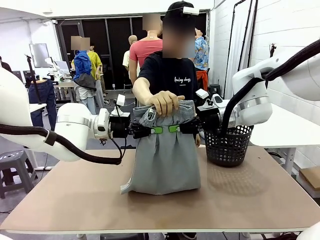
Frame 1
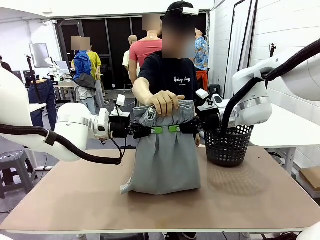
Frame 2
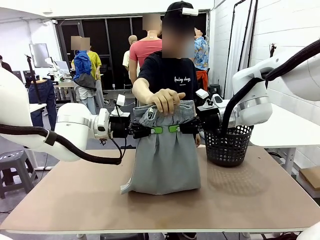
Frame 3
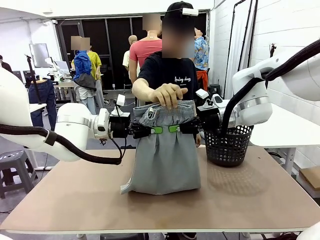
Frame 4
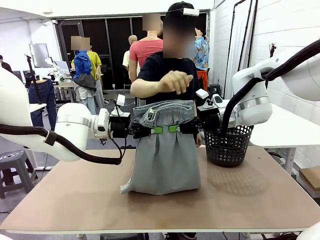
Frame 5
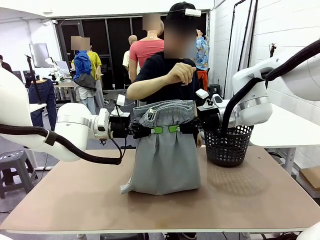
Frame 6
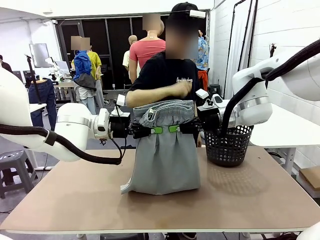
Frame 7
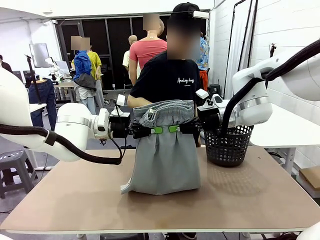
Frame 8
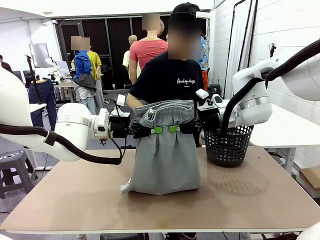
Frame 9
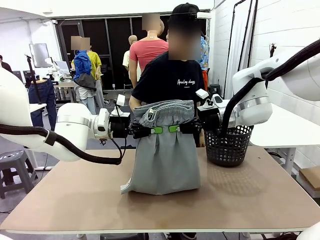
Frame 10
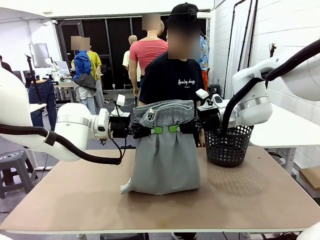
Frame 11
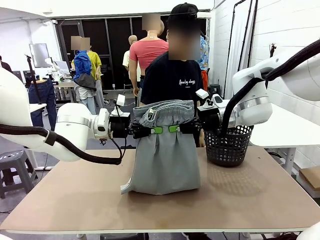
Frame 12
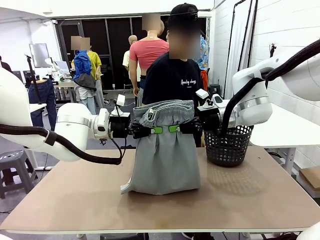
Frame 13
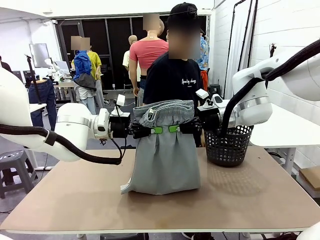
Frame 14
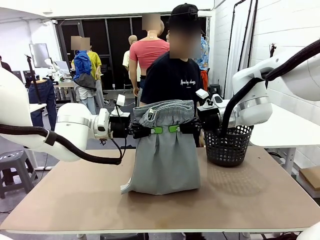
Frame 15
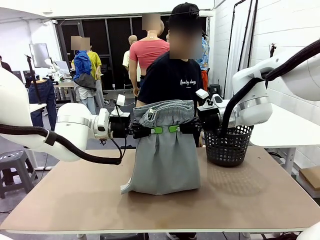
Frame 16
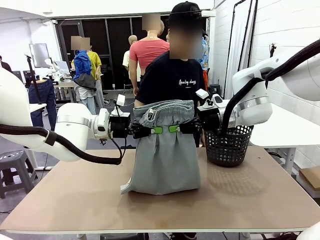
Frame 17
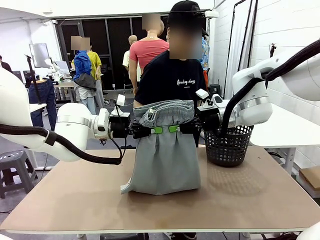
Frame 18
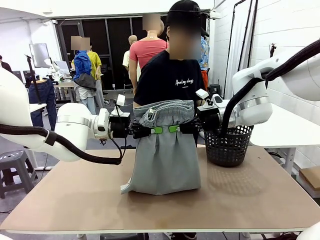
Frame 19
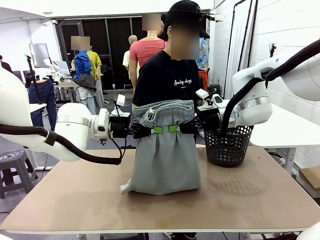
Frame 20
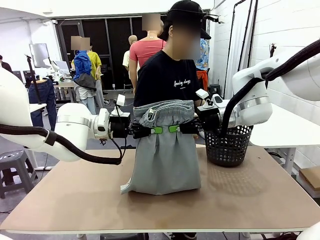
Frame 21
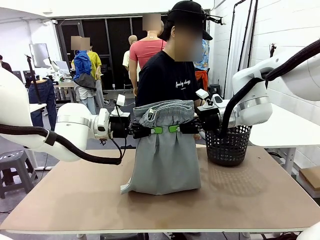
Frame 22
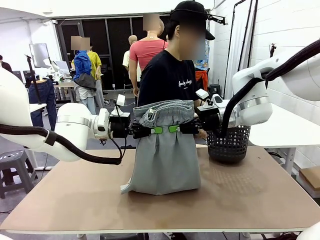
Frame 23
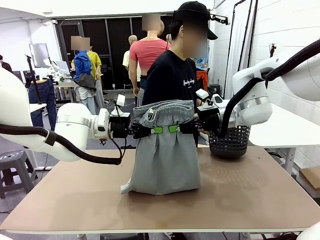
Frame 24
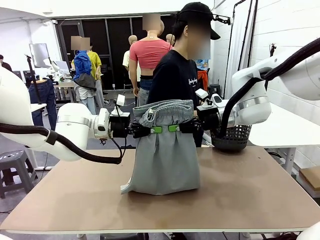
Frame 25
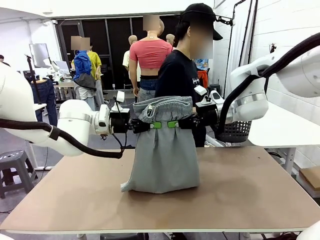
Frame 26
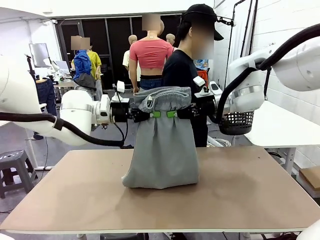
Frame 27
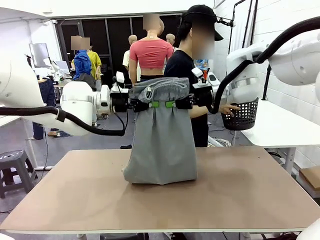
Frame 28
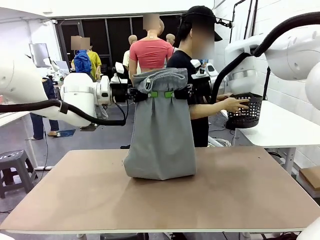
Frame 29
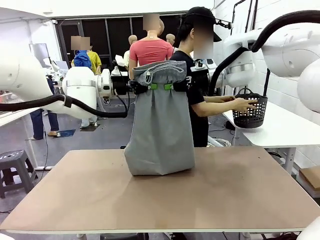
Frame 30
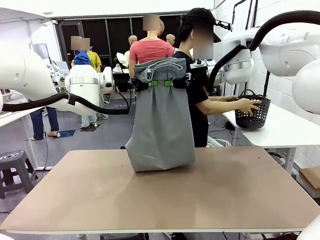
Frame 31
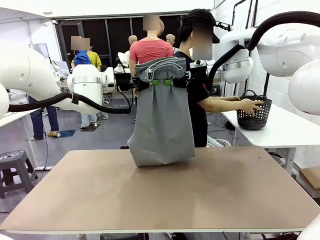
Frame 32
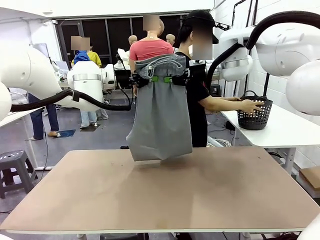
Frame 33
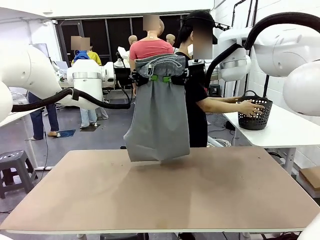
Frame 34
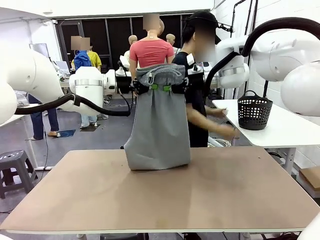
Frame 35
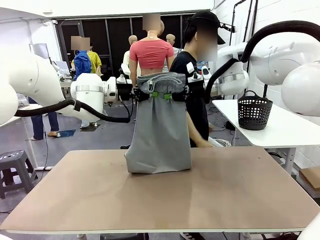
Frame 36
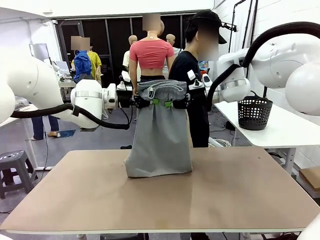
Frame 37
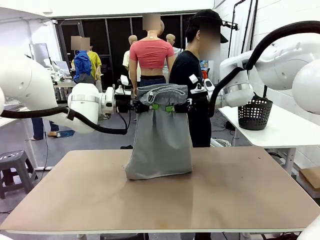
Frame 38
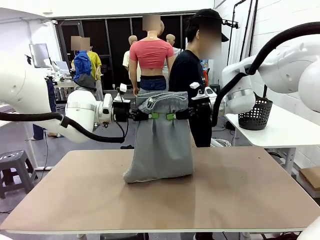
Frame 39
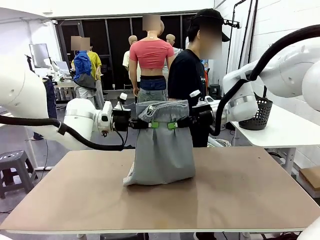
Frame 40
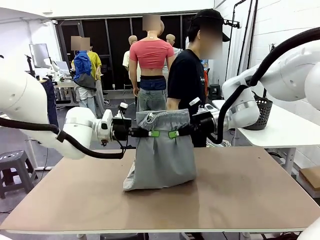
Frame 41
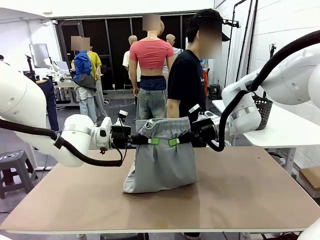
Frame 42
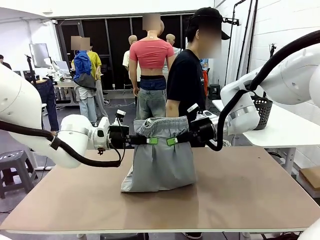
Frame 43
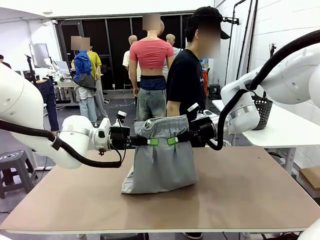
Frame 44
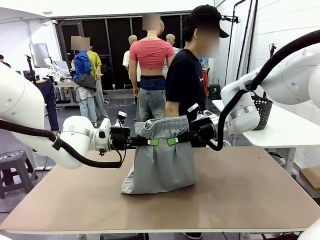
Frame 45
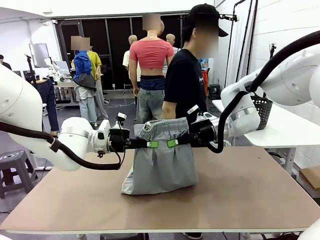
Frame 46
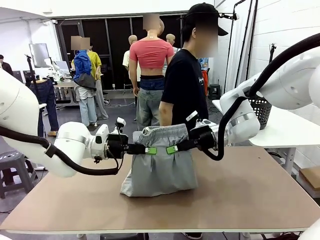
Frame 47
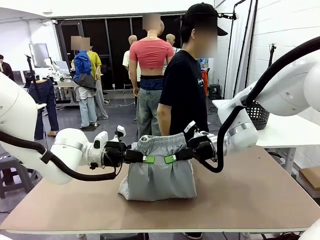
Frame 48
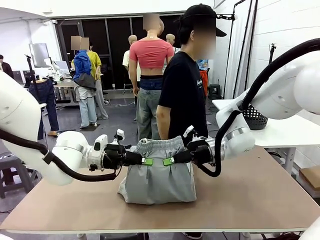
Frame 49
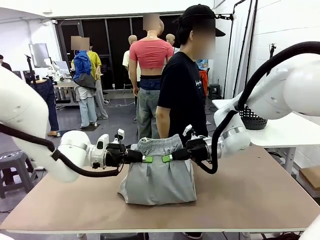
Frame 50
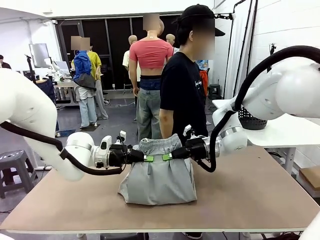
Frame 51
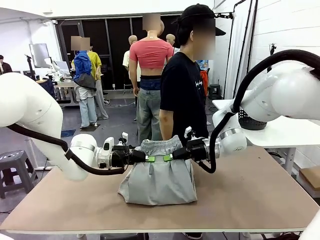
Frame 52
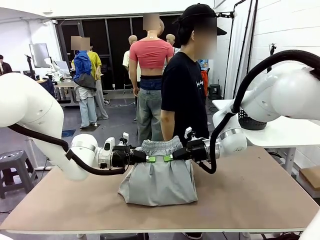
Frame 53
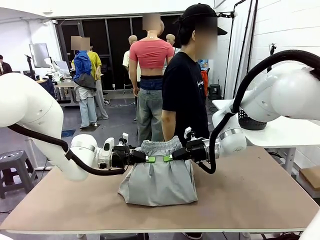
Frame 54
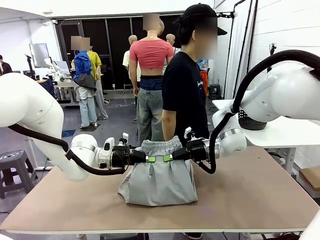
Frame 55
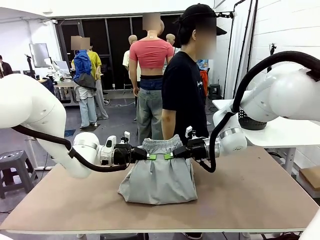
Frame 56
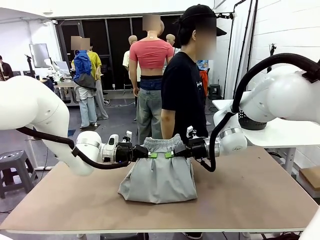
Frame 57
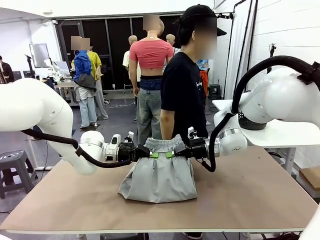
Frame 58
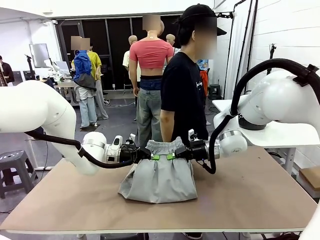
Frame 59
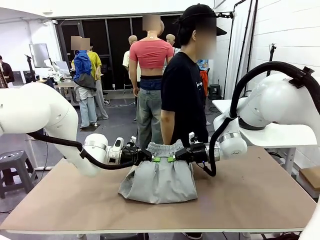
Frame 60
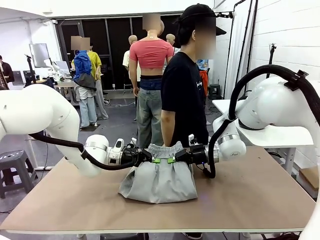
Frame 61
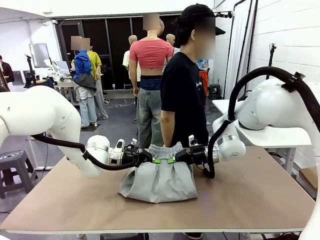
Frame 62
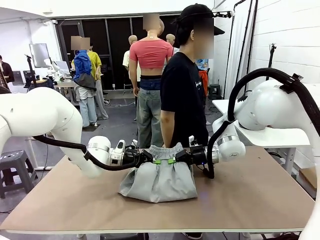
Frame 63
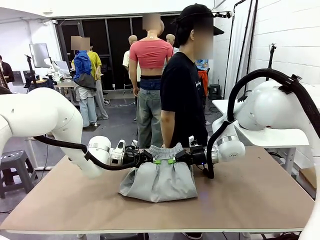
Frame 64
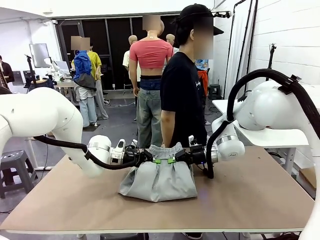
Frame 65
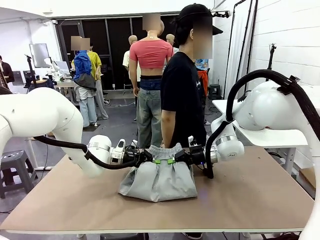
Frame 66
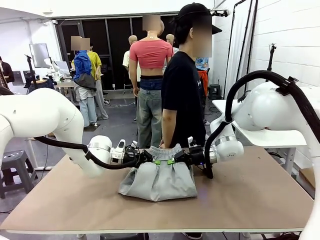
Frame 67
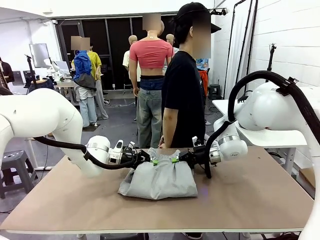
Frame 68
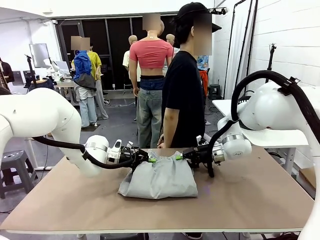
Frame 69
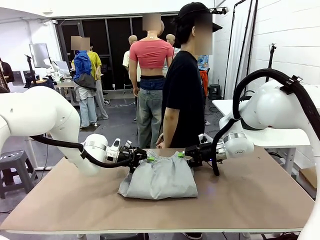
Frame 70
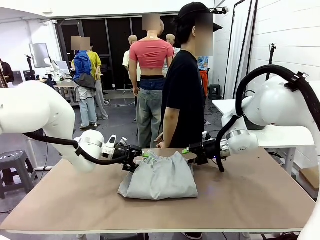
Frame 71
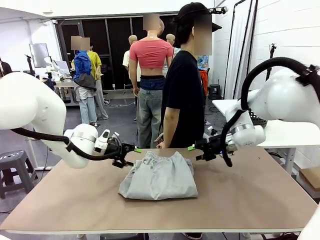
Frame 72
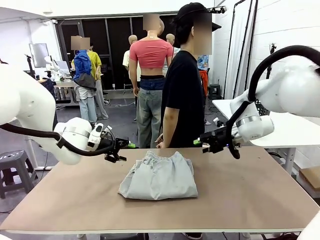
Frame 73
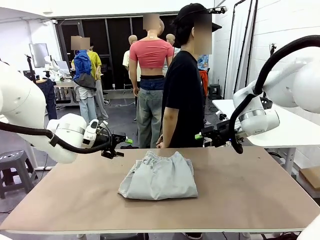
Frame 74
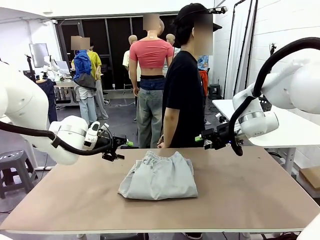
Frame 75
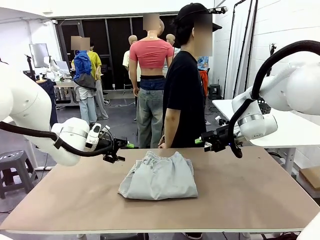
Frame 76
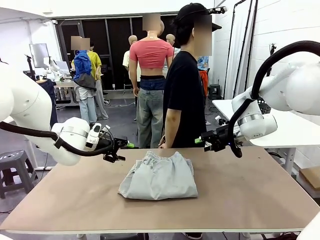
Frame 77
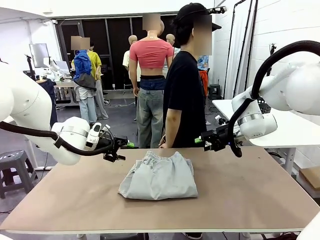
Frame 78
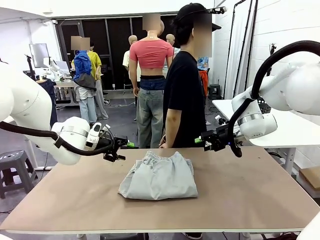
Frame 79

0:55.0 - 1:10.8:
Task: Fold the training pants.
Robot: Fold the Training pants in half.
Person: Move the laundry basket to the right of the human table.
